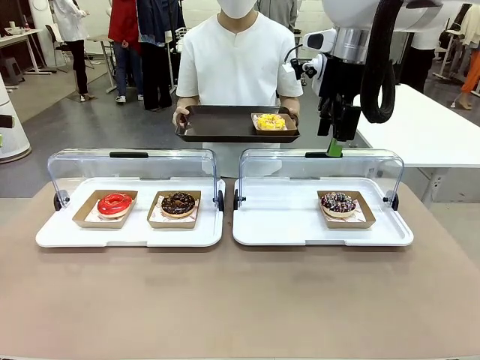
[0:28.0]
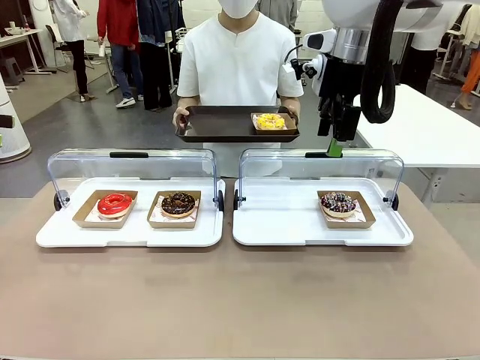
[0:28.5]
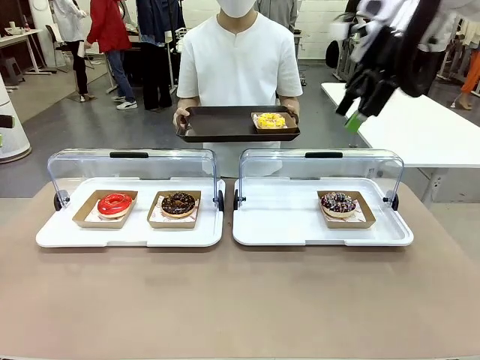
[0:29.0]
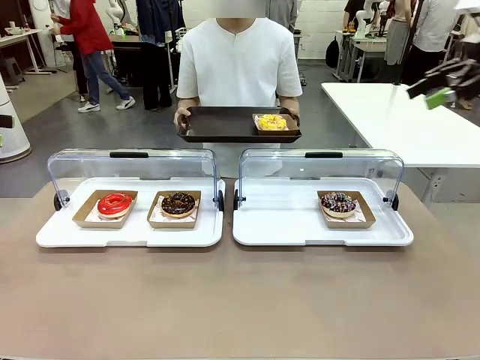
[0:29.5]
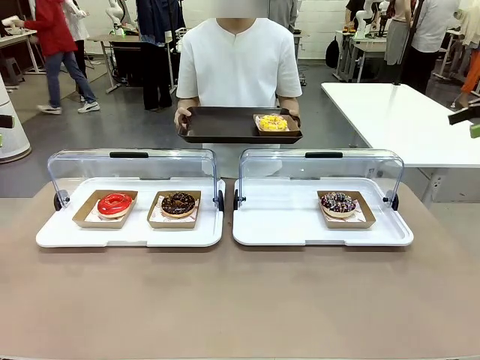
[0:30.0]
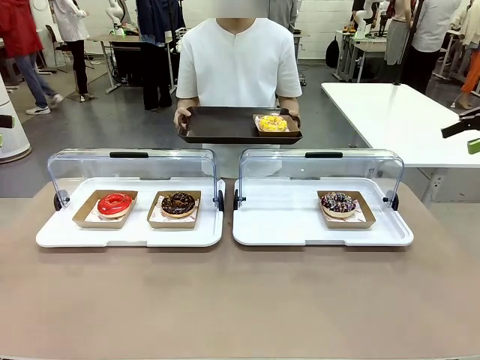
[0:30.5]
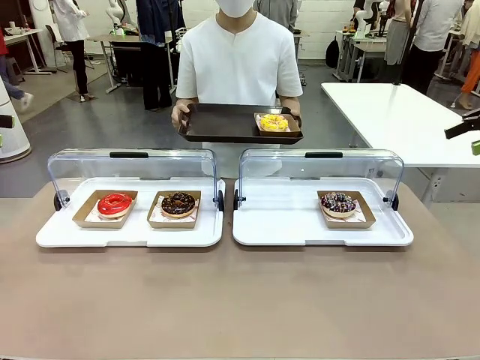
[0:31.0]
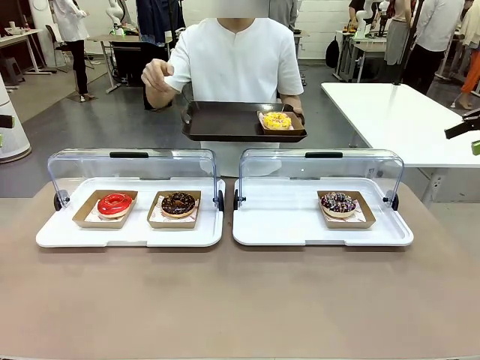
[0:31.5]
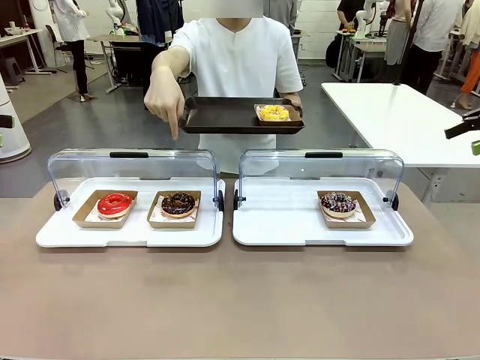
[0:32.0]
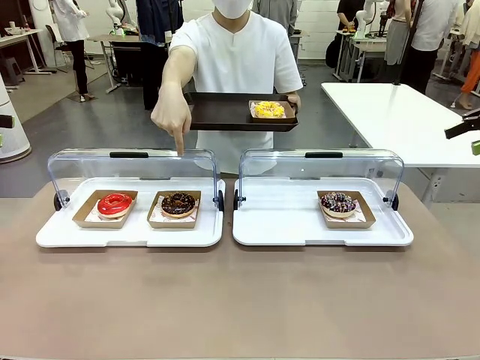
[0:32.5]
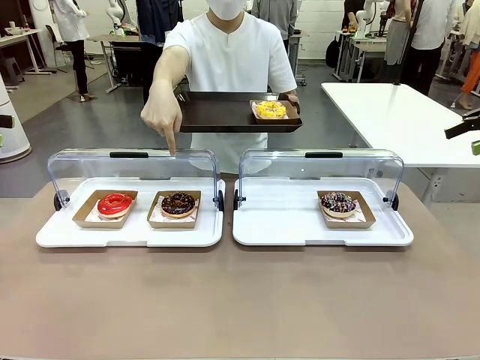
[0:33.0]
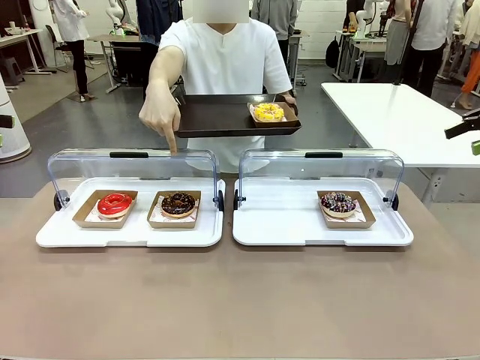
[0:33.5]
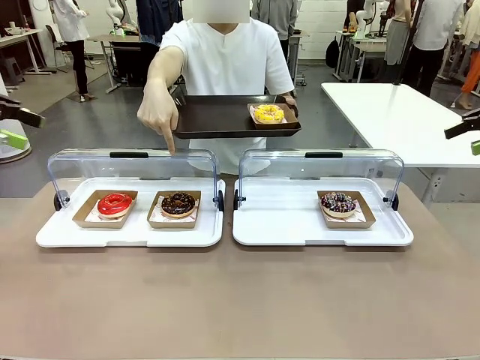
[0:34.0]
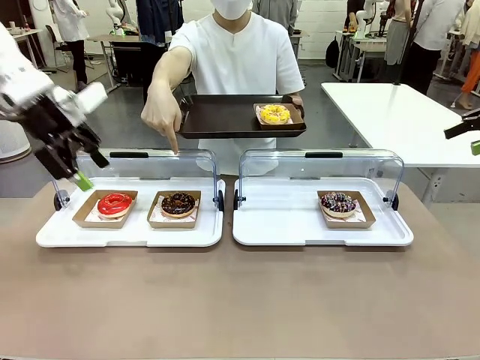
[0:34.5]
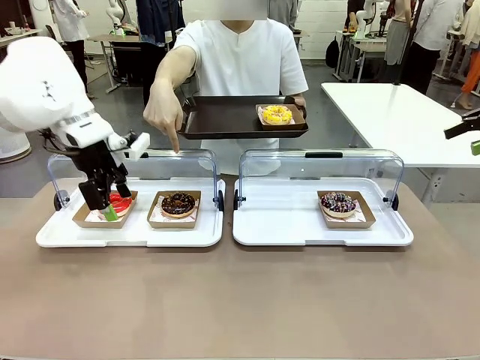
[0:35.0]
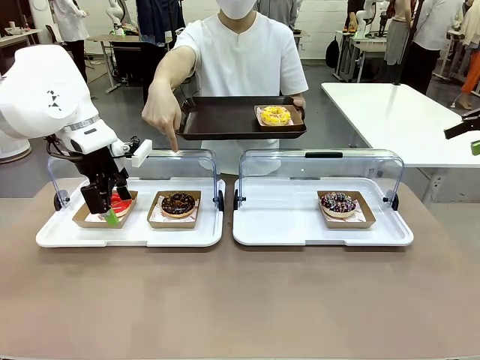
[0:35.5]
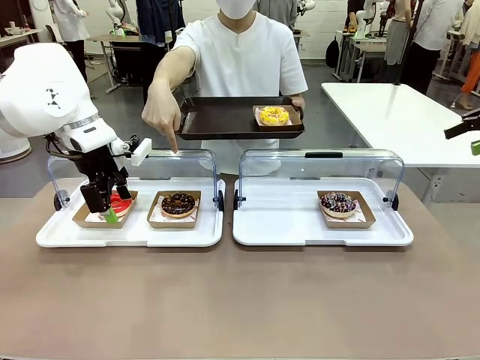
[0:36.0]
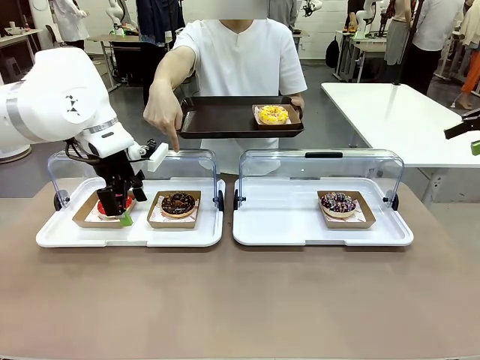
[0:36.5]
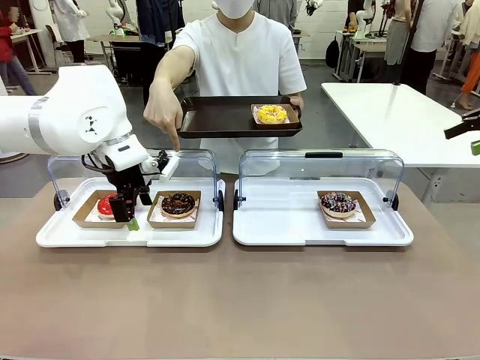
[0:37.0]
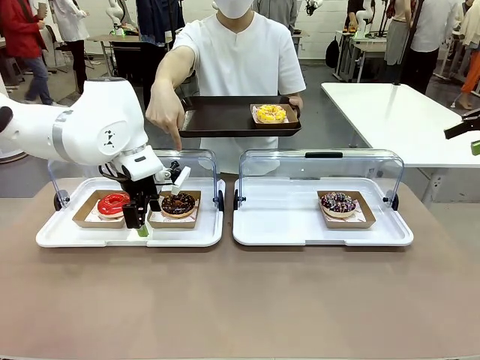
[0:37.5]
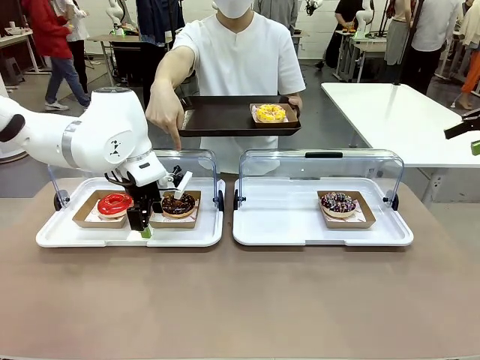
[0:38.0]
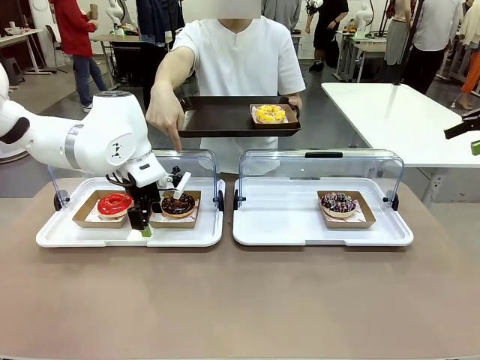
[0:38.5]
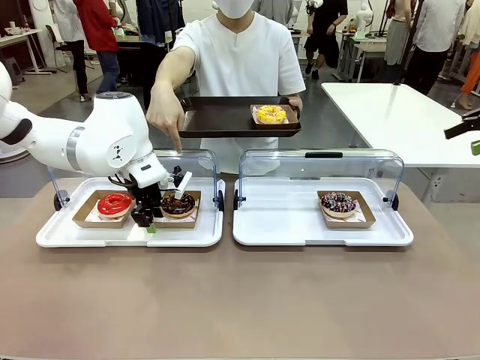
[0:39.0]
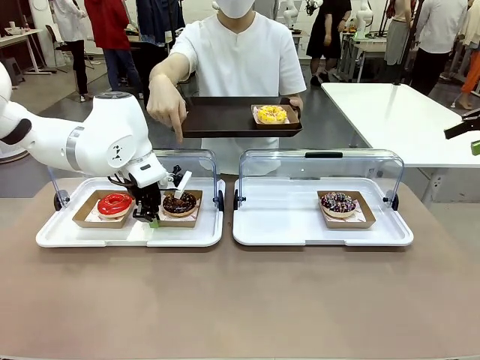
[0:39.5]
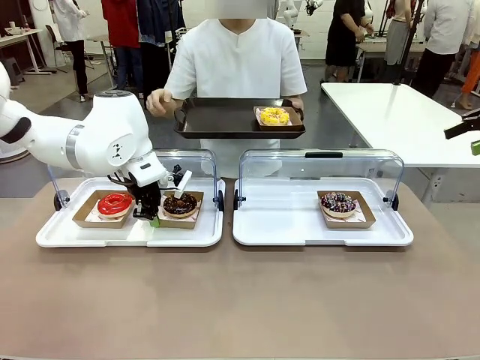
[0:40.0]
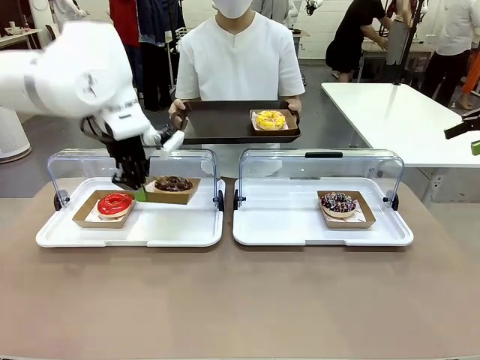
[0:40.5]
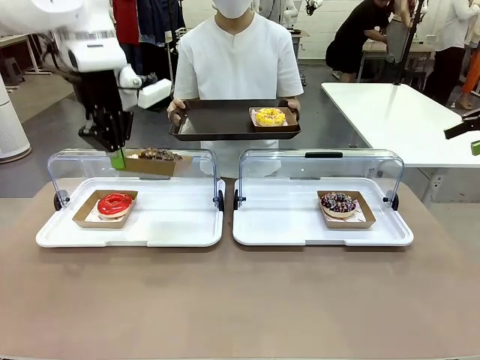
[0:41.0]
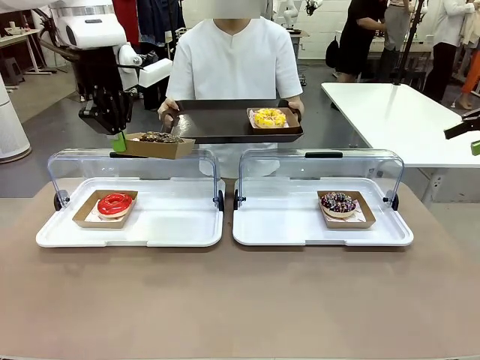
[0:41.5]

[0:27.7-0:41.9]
Task: Provide the desired donut to the person.
Robot: Pick up and lift the Paper togo box containing the Donut pointed at by the person.
Person: Point to one donut. Lift the tray onto the Roll-Top Bakery Case.

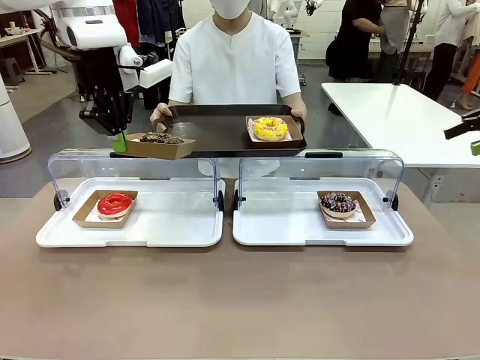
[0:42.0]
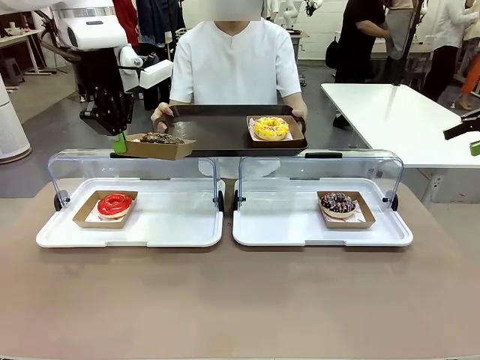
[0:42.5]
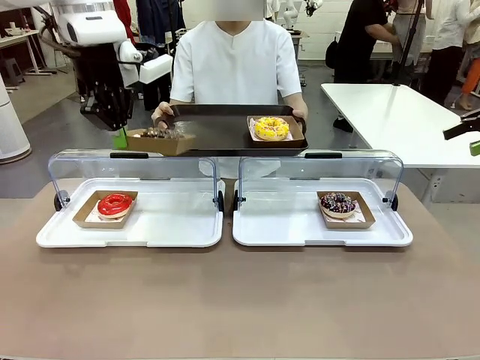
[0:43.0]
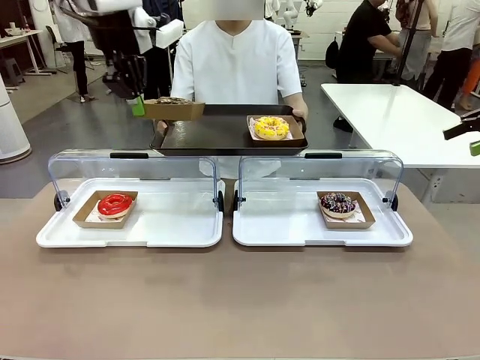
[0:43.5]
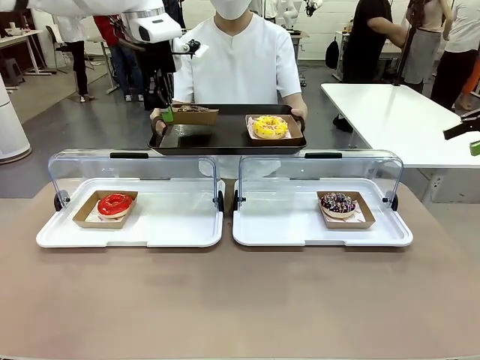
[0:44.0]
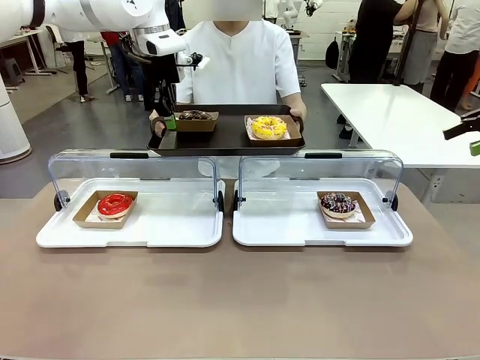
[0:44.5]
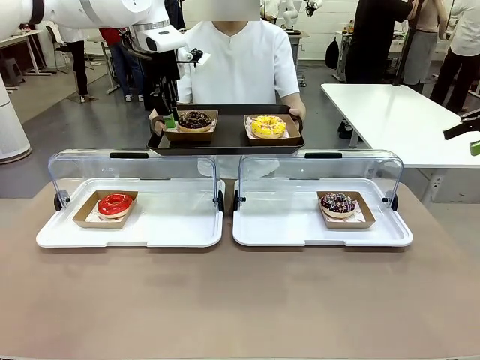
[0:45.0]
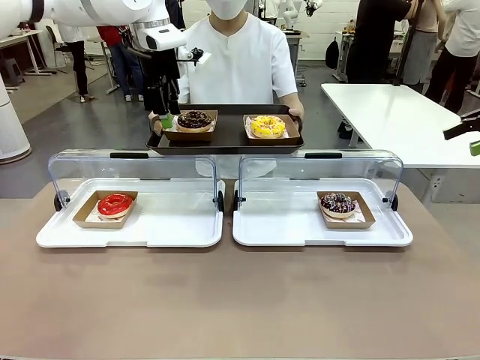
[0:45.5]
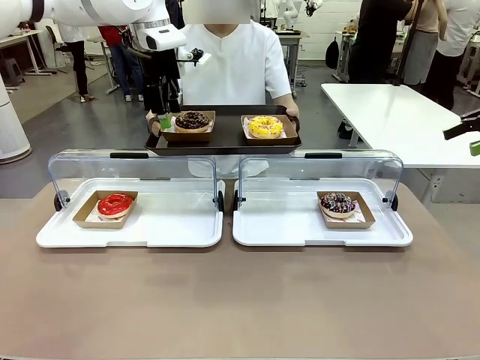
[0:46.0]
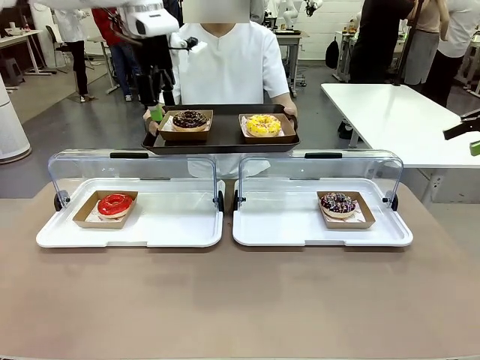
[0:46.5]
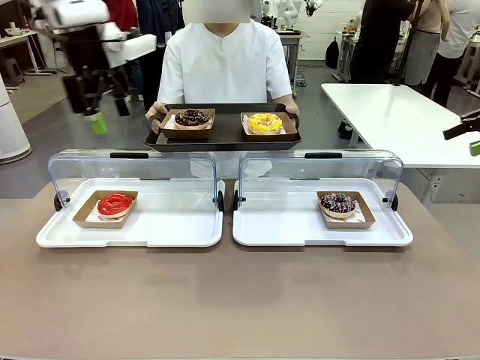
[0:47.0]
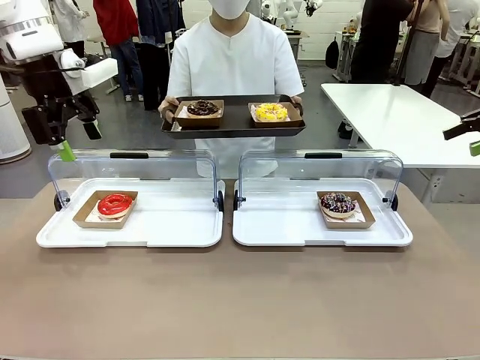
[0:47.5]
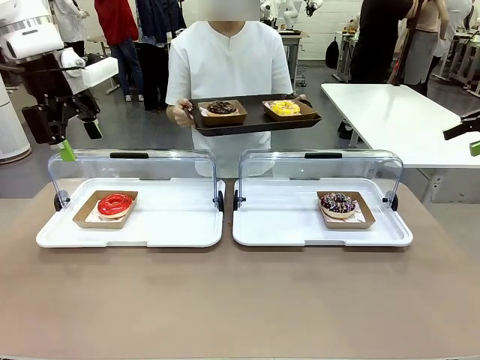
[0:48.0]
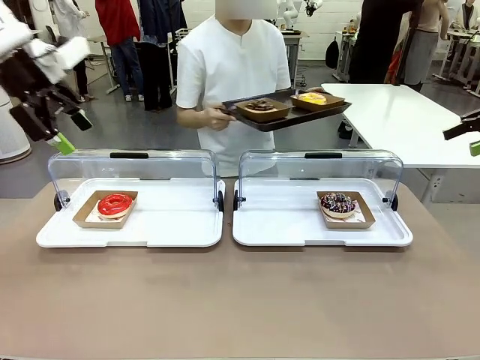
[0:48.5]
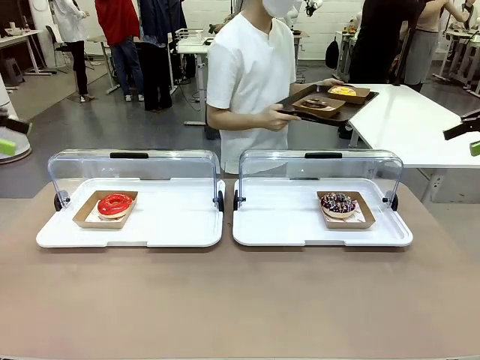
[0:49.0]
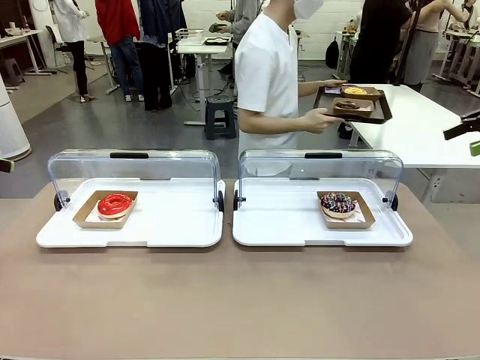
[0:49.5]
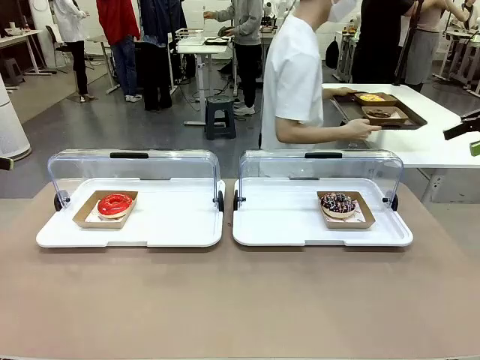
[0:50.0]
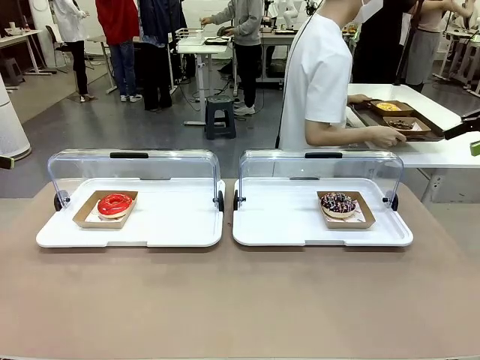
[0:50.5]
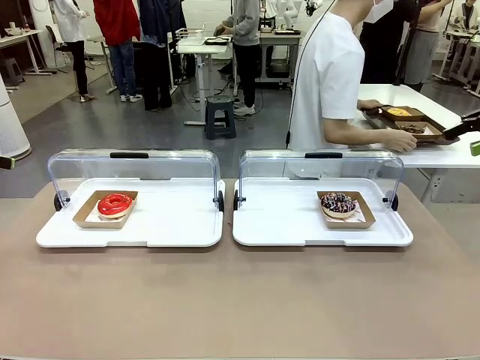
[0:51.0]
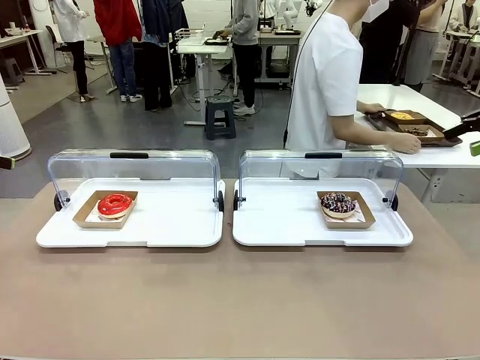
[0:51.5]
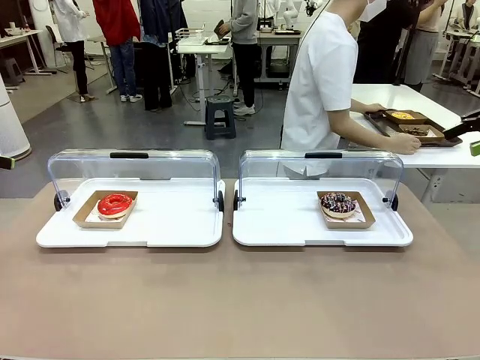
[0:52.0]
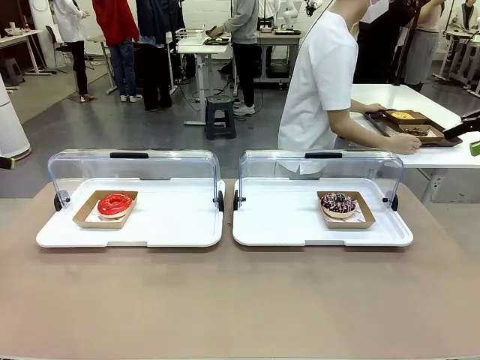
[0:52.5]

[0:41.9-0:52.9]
Robot: Place the picked Paper togo box onto the Handle tray extended by the person.
Person: Place the tray in the middle of the human table.
